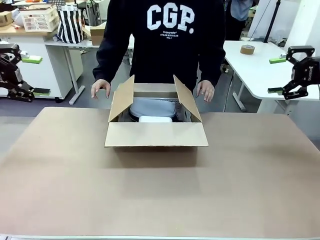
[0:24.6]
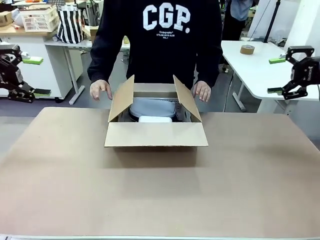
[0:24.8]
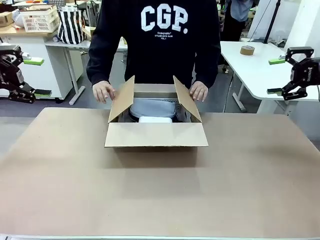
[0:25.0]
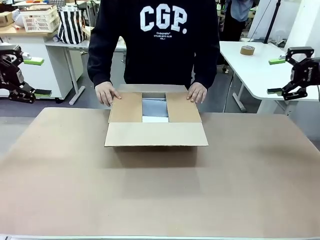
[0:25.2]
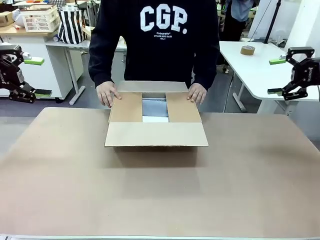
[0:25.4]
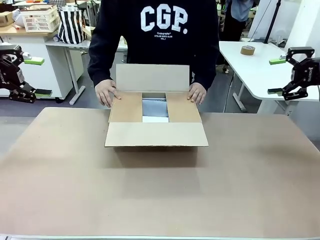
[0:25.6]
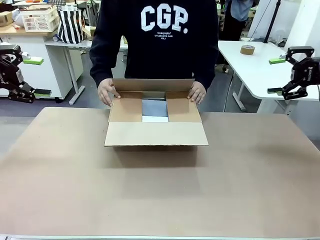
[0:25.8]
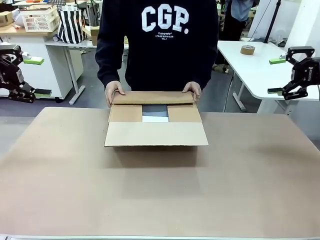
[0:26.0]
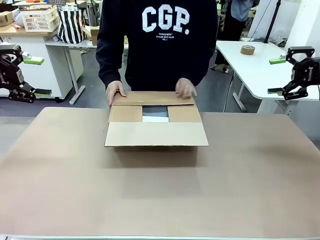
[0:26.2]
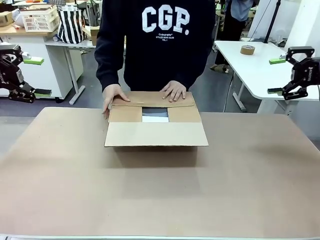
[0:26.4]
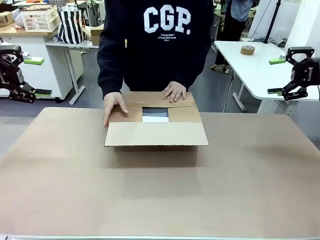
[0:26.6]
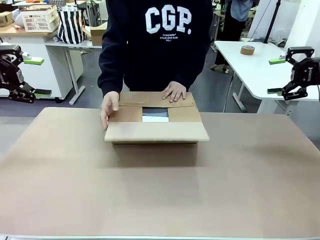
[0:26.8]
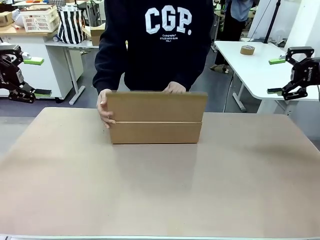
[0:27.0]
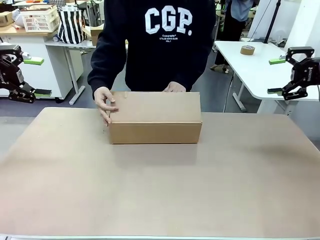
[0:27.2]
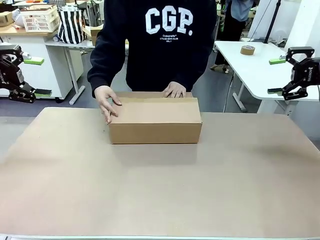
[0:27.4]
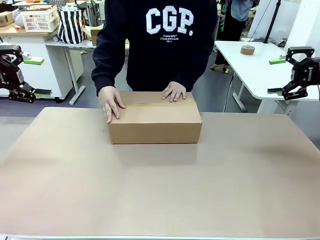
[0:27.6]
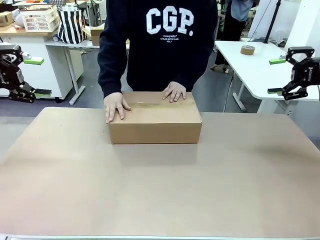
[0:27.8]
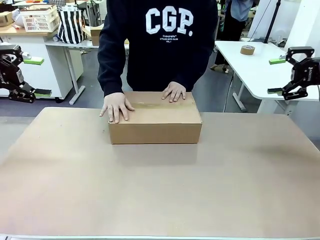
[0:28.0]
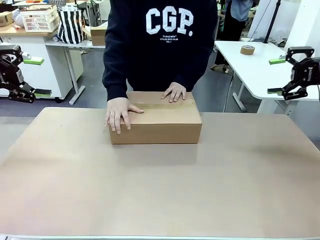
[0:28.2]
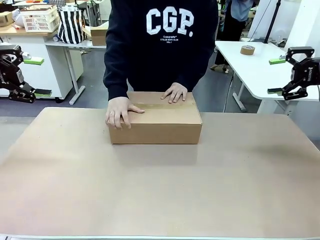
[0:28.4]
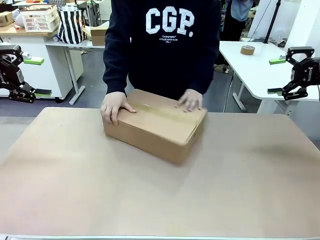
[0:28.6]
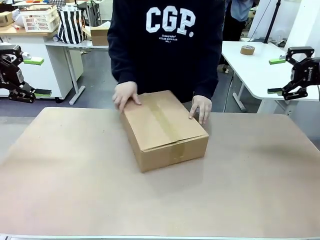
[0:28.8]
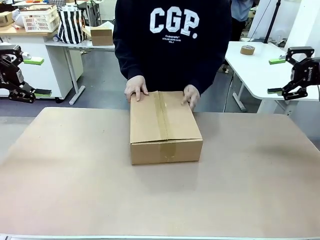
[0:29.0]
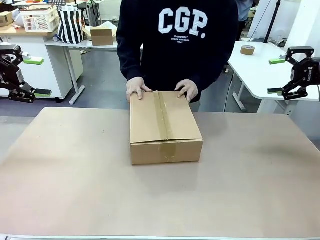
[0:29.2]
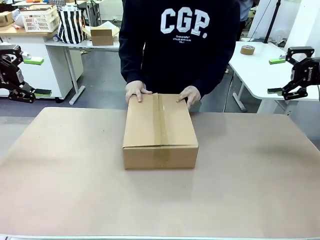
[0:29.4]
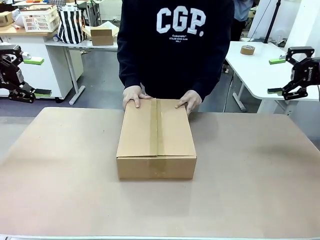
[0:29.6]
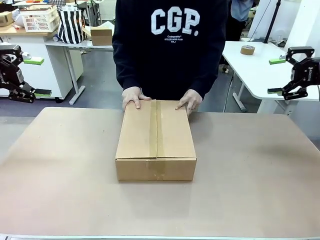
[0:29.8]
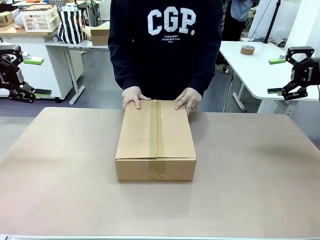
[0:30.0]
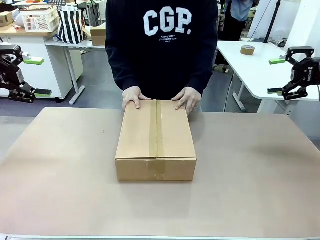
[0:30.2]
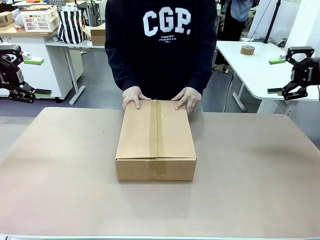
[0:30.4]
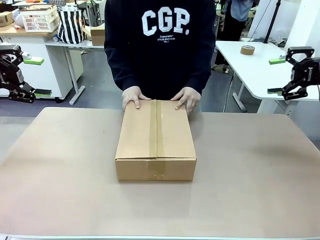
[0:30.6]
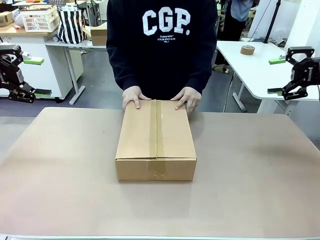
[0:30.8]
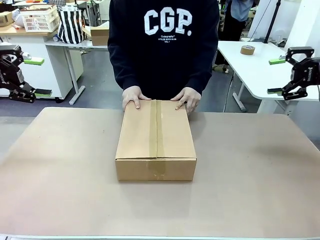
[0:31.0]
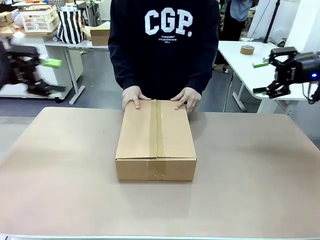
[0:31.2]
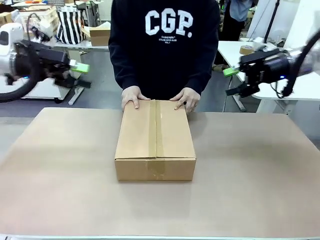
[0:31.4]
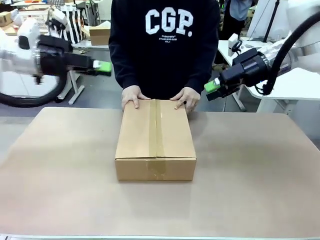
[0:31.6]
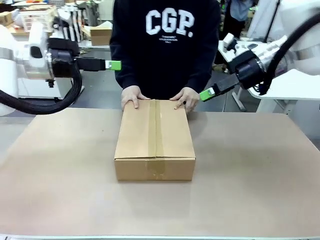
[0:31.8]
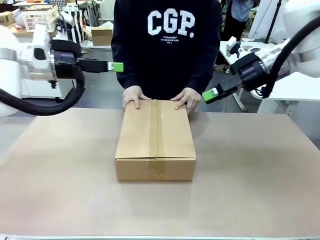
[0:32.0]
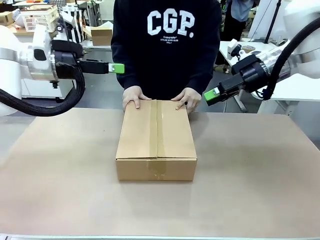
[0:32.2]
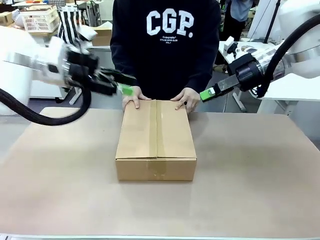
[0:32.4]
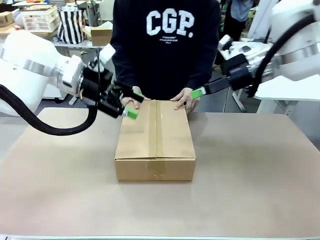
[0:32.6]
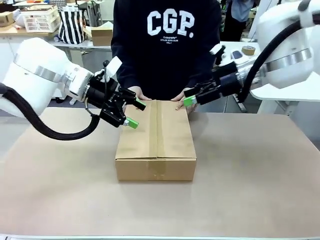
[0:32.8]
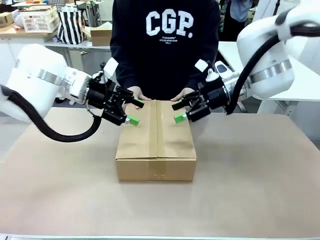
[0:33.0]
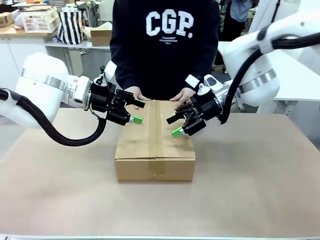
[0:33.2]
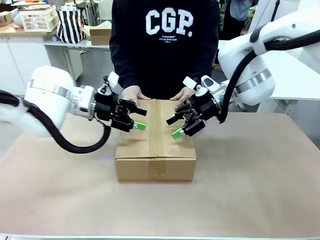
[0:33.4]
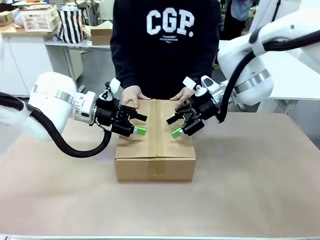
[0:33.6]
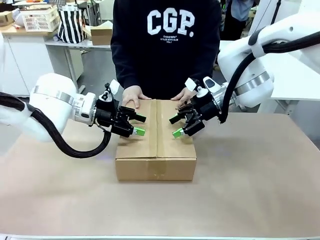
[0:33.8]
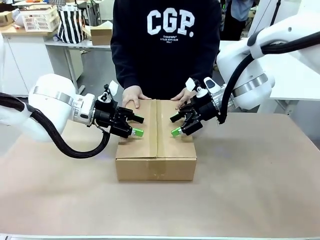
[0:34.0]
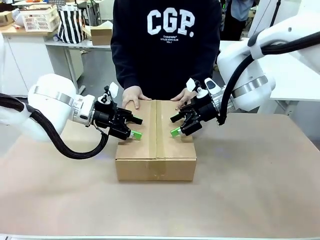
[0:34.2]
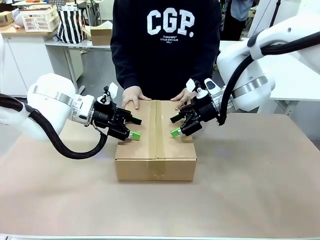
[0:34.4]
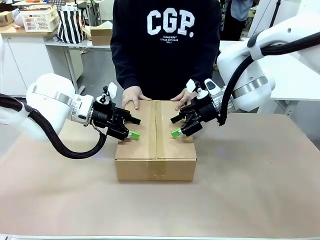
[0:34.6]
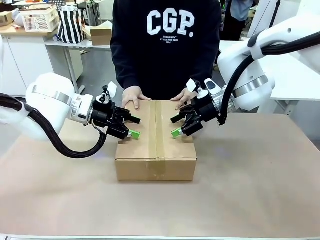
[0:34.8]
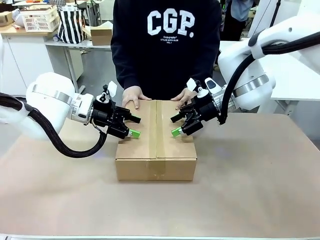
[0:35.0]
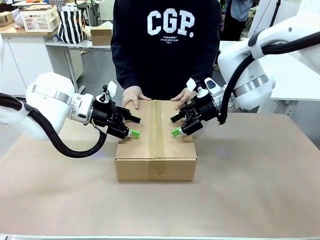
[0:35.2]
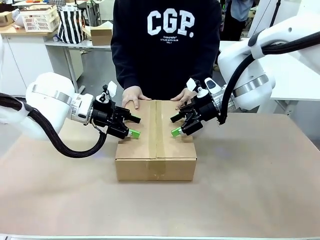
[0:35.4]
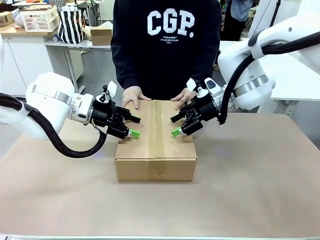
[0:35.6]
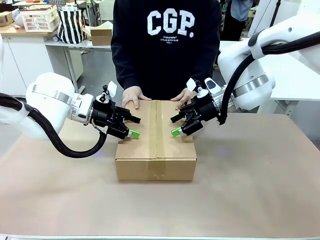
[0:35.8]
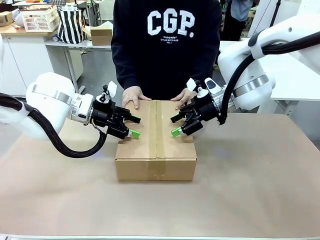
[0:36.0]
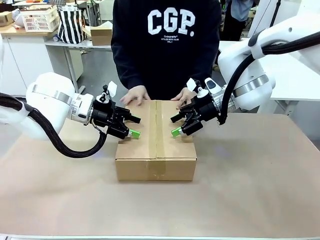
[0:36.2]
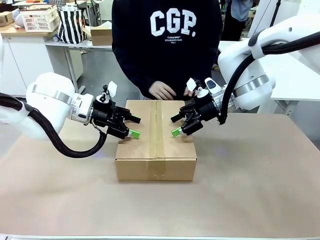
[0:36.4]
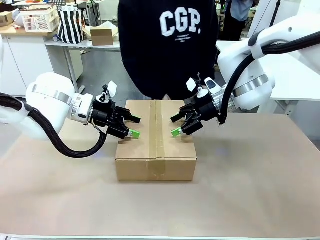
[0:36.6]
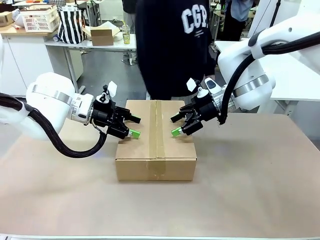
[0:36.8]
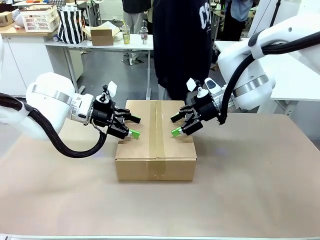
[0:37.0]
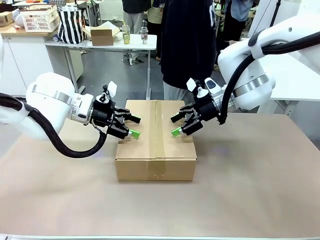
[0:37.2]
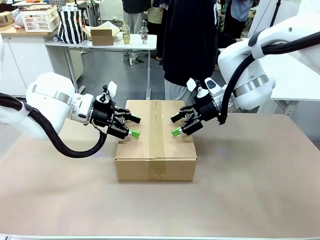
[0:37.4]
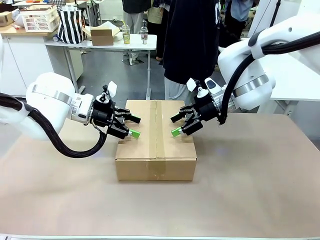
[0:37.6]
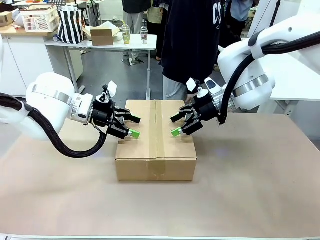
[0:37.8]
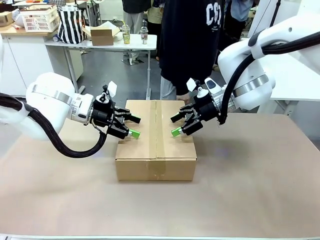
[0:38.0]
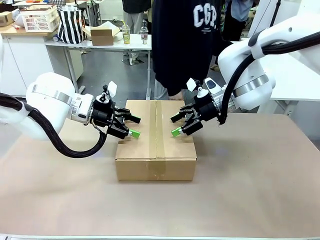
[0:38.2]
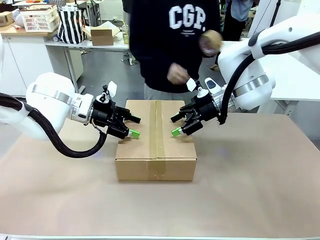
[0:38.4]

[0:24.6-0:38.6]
Task: Pack the gift set into the box.
Robot: Press and hold the closed box until the human finishes sealing it.
Person: The human closes the box and rotates the box by 90 degrees.

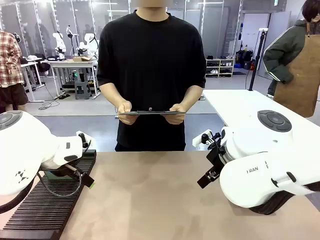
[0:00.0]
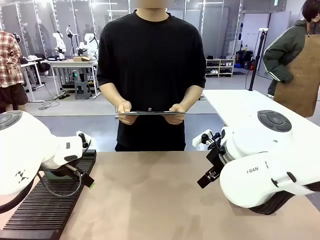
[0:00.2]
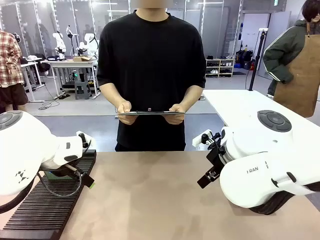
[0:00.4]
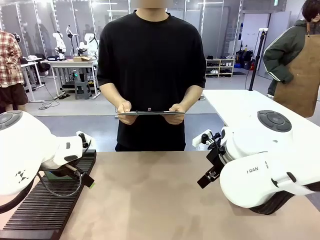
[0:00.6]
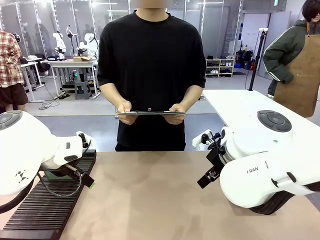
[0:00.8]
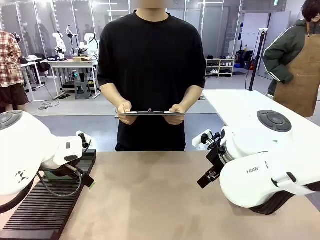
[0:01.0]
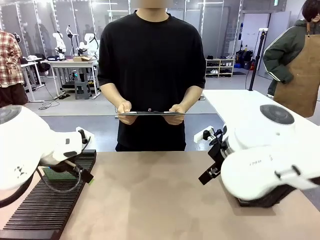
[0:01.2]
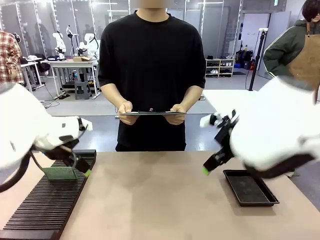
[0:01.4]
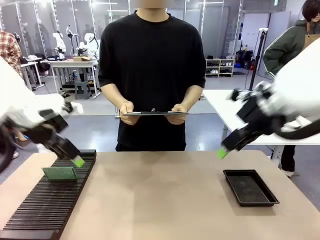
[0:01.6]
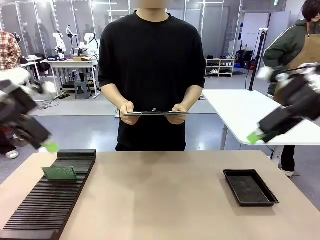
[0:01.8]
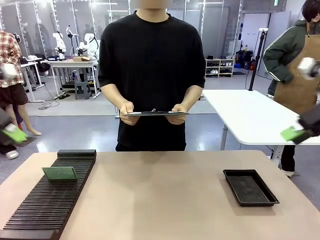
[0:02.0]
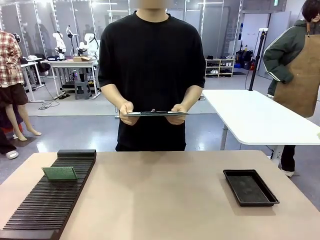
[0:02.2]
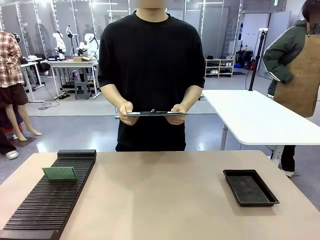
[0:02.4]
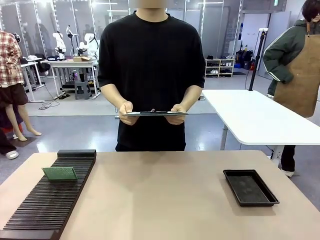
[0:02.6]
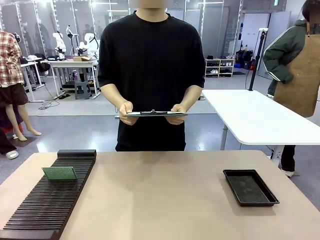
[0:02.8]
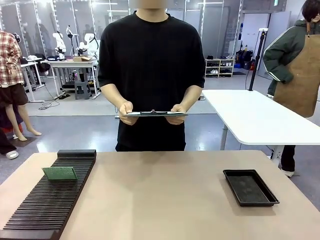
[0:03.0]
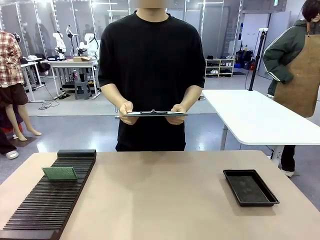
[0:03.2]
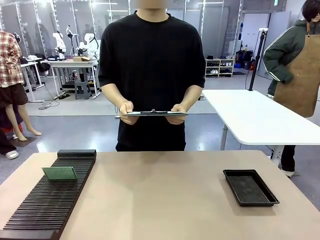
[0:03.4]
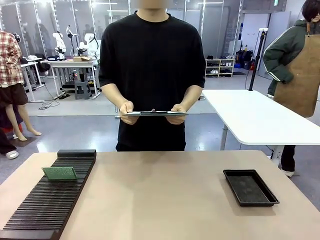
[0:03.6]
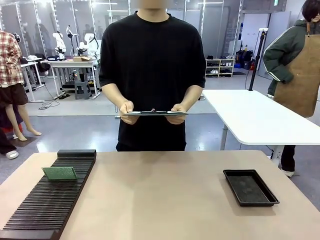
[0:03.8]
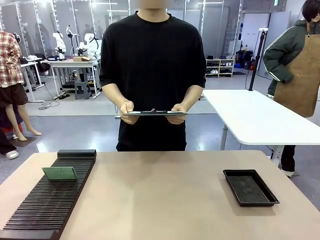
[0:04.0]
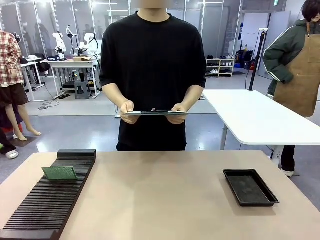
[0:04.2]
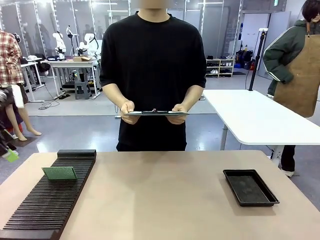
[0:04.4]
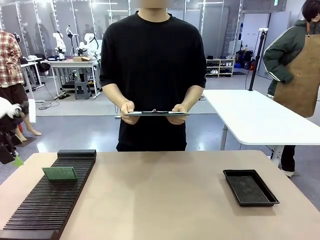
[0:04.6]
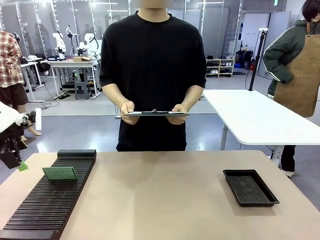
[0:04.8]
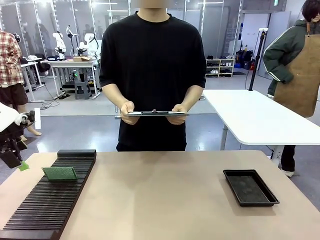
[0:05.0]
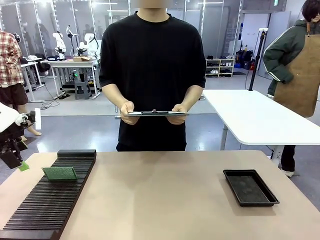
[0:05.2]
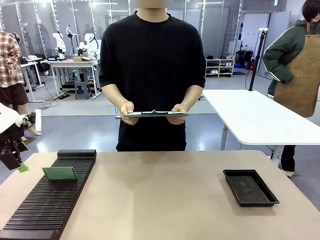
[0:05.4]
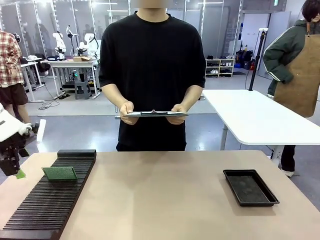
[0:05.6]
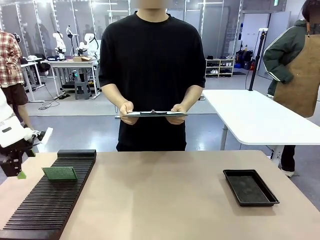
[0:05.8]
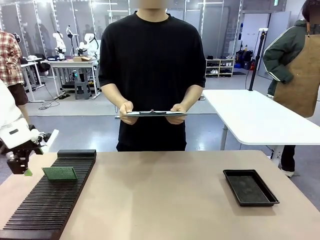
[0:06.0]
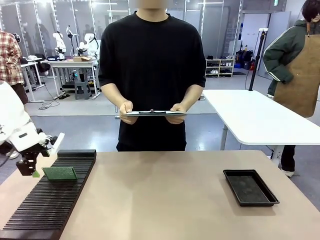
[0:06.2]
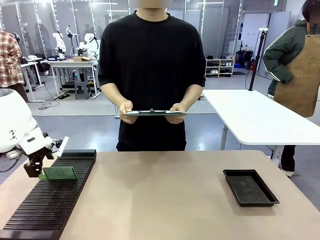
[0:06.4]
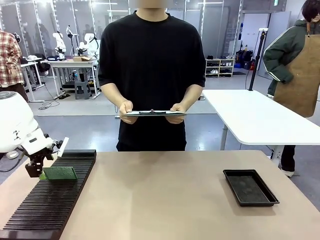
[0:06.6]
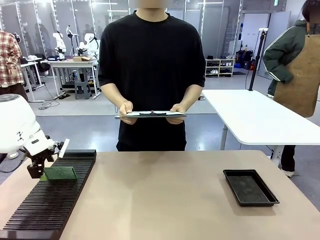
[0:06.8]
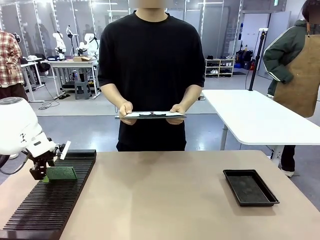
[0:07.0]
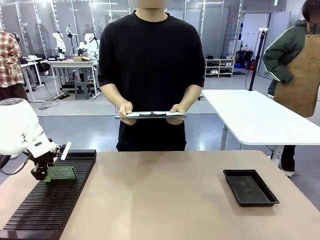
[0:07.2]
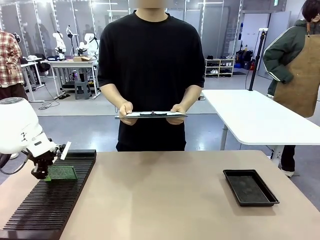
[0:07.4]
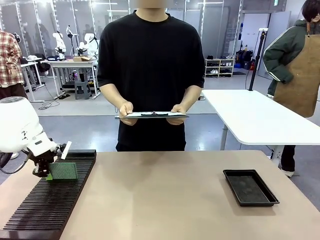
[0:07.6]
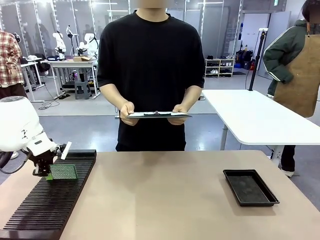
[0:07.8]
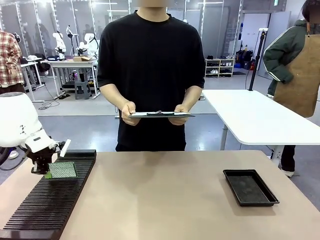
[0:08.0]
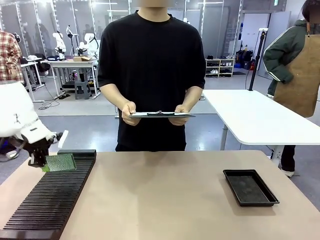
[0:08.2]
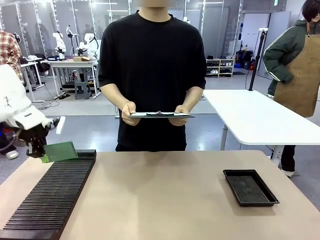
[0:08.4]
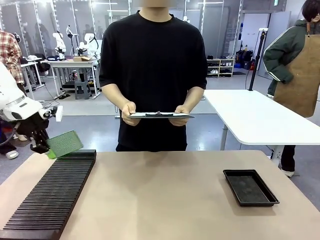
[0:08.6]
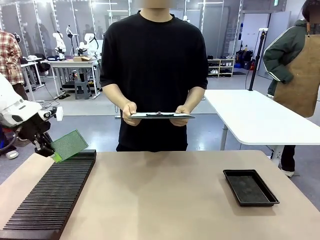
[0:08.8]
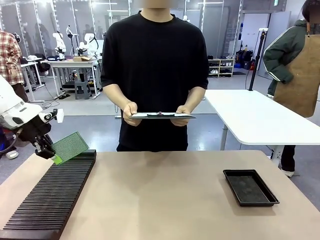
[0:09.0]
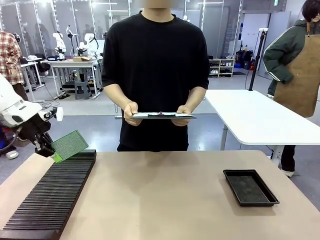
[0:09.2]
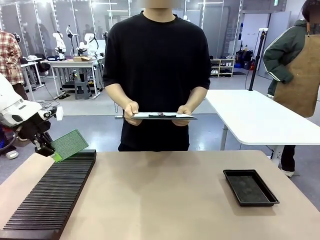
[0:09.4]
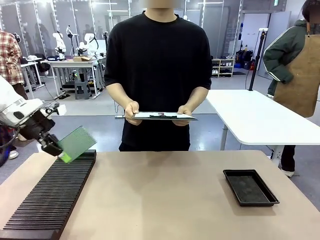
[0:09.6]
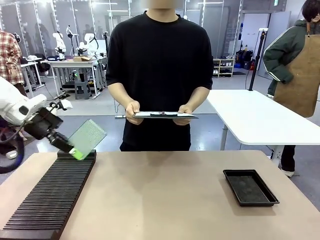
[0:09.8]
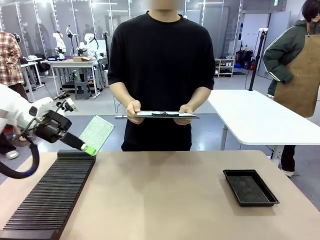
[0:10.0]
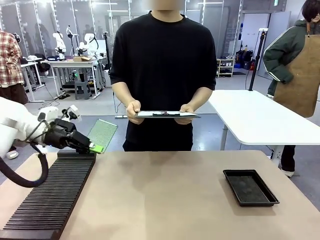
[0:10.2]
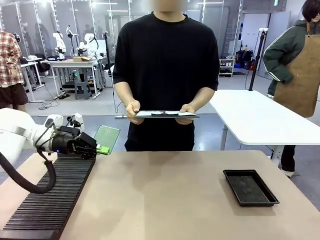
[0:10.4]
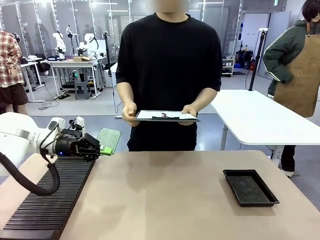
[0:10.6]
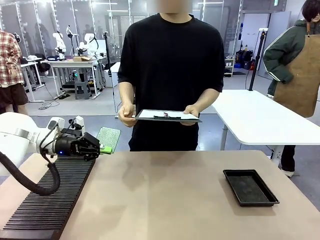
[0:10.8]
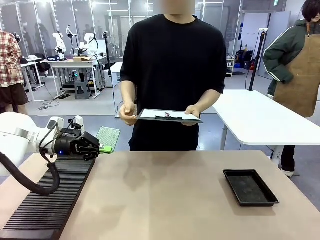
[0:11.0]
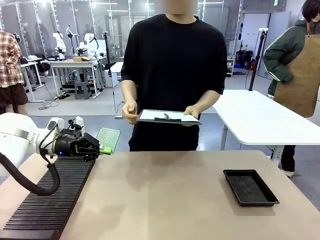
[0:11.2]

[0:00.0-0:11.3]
Task: Inspect the PCB.
Robot: Pick up the Blank PCB and present it to the human.
Person: Pick up the PCB presented by the robot.
